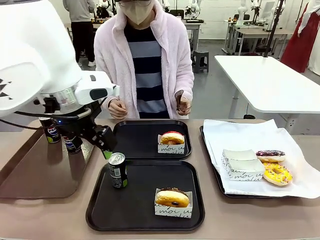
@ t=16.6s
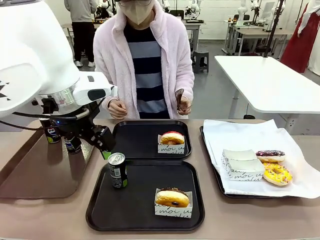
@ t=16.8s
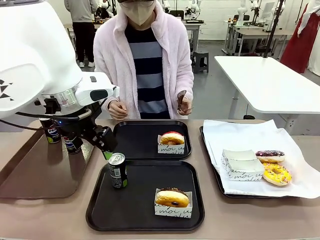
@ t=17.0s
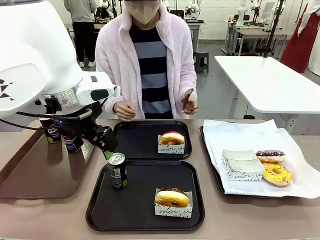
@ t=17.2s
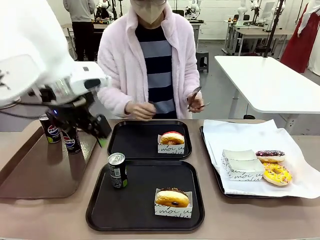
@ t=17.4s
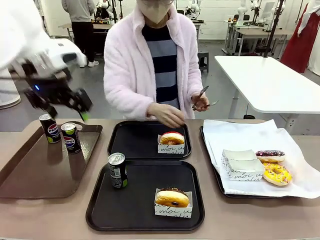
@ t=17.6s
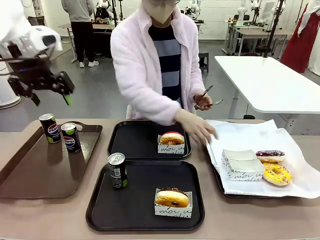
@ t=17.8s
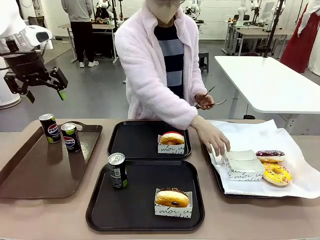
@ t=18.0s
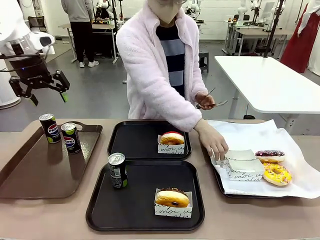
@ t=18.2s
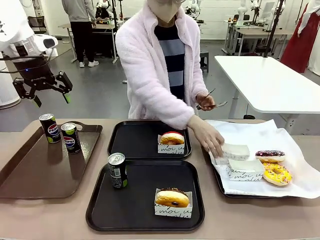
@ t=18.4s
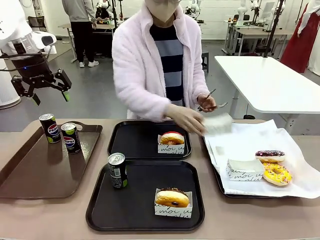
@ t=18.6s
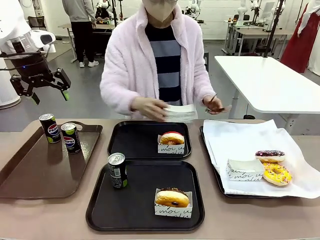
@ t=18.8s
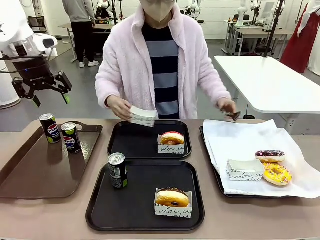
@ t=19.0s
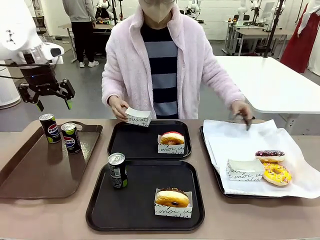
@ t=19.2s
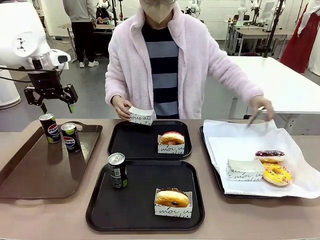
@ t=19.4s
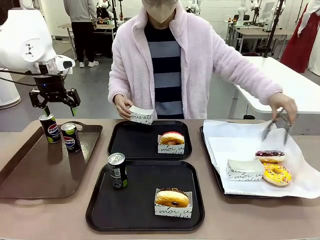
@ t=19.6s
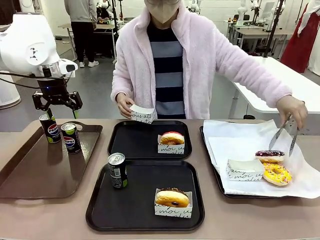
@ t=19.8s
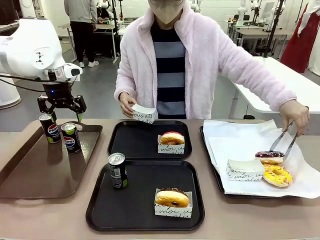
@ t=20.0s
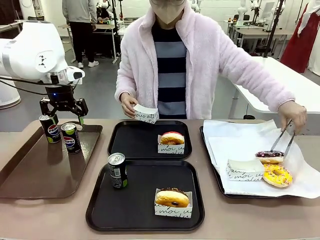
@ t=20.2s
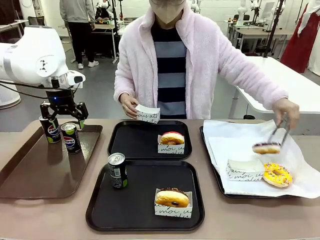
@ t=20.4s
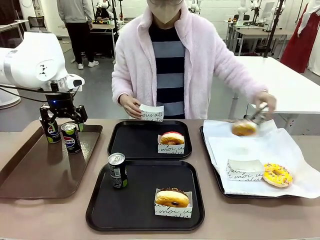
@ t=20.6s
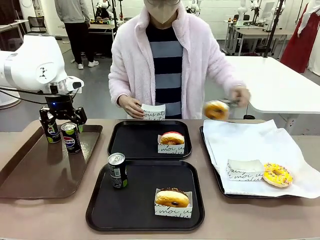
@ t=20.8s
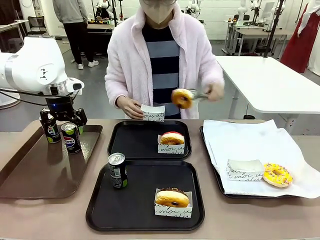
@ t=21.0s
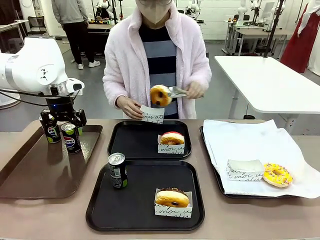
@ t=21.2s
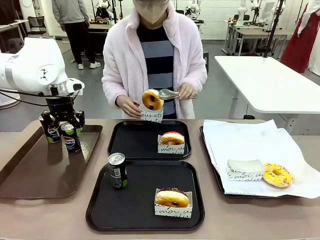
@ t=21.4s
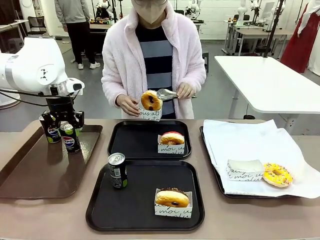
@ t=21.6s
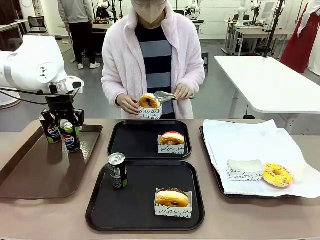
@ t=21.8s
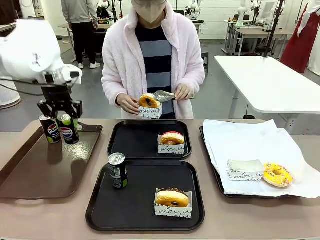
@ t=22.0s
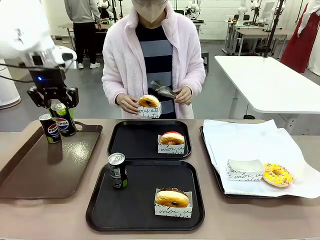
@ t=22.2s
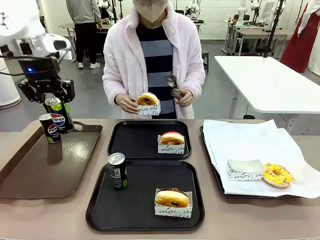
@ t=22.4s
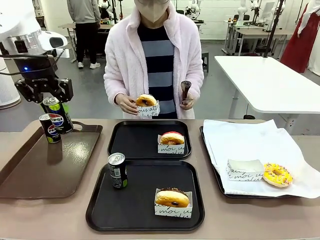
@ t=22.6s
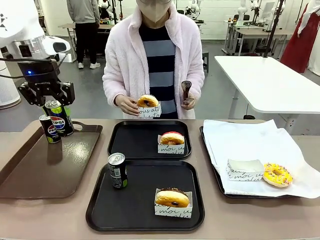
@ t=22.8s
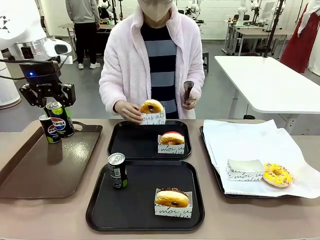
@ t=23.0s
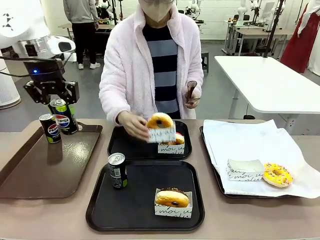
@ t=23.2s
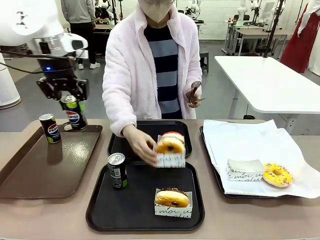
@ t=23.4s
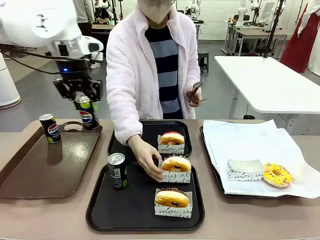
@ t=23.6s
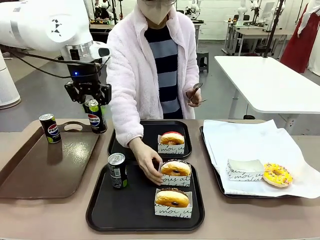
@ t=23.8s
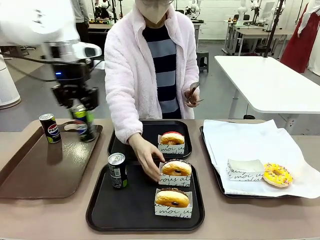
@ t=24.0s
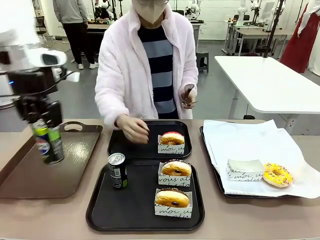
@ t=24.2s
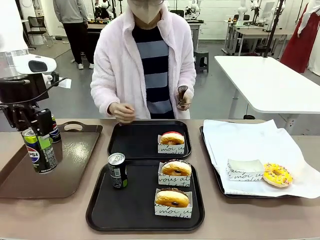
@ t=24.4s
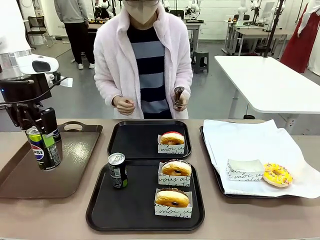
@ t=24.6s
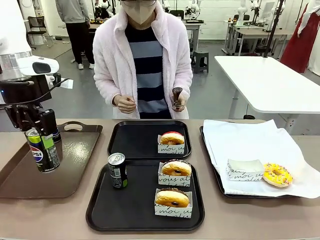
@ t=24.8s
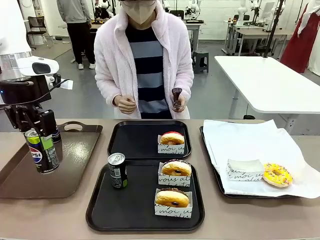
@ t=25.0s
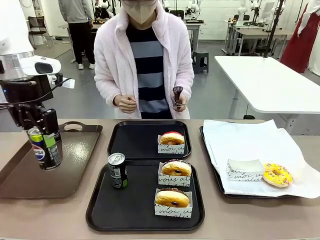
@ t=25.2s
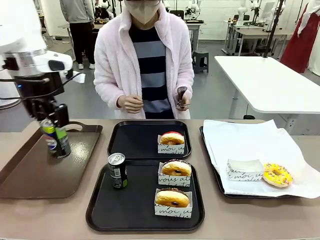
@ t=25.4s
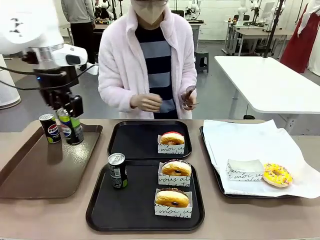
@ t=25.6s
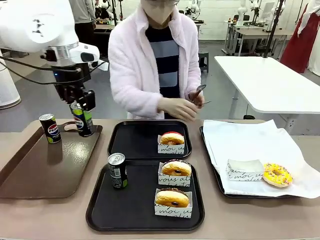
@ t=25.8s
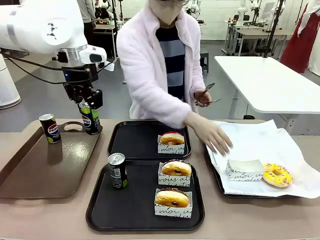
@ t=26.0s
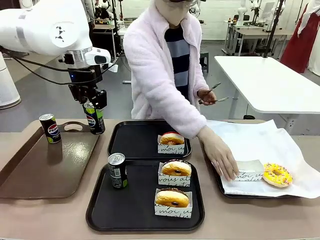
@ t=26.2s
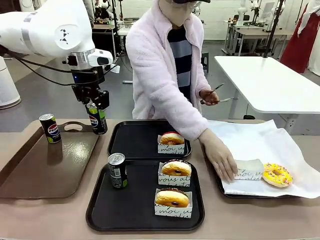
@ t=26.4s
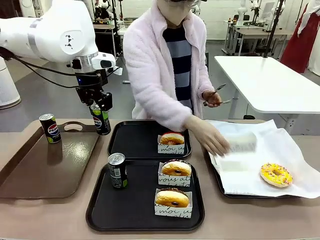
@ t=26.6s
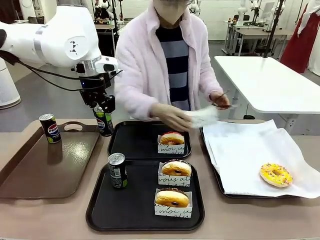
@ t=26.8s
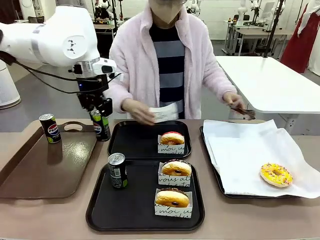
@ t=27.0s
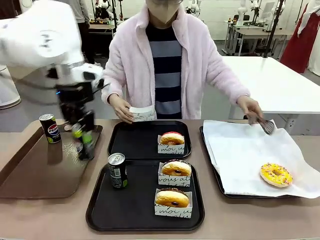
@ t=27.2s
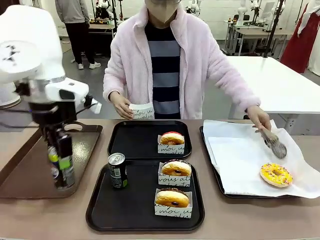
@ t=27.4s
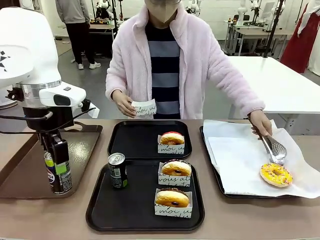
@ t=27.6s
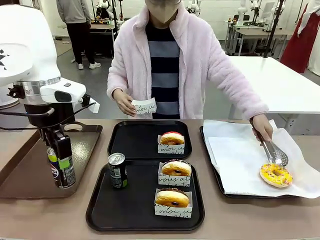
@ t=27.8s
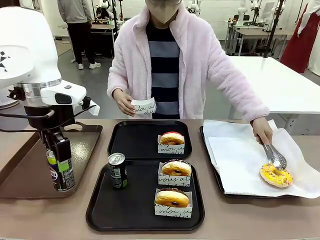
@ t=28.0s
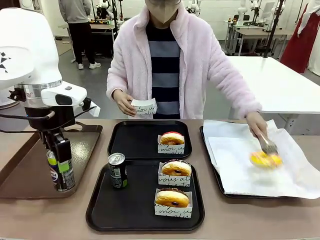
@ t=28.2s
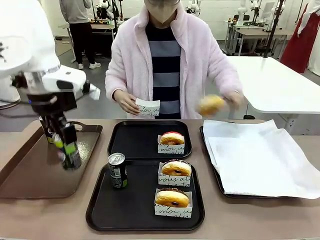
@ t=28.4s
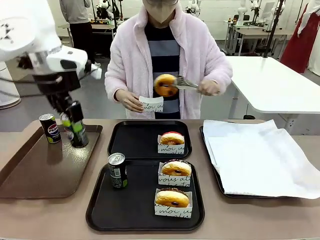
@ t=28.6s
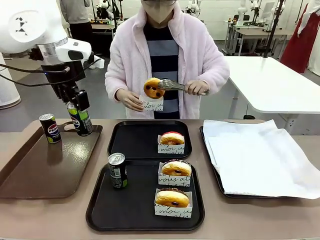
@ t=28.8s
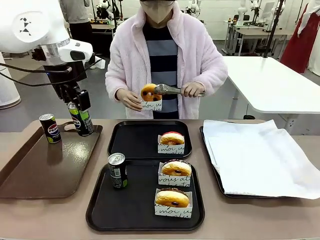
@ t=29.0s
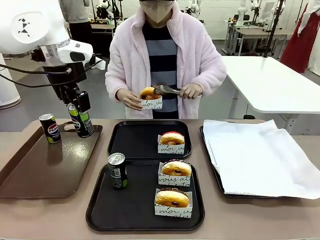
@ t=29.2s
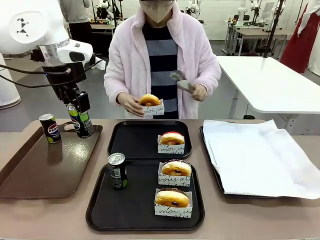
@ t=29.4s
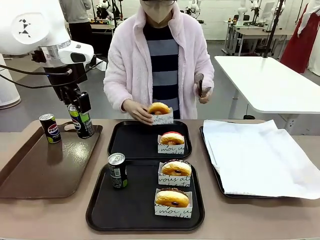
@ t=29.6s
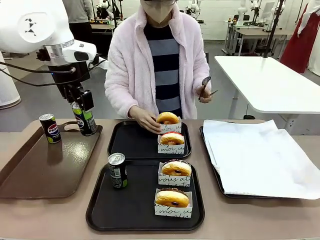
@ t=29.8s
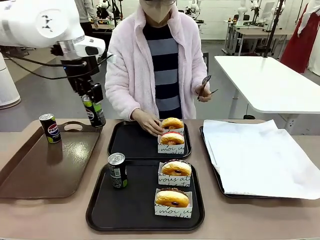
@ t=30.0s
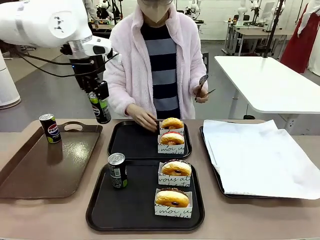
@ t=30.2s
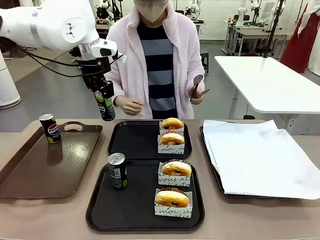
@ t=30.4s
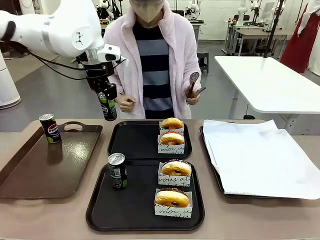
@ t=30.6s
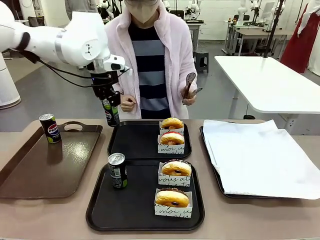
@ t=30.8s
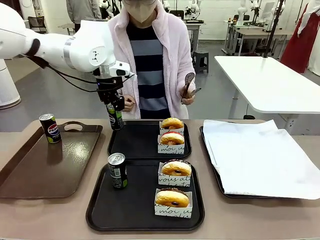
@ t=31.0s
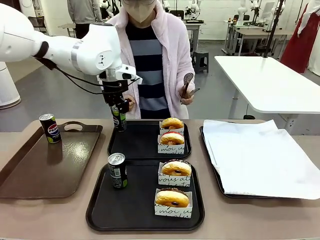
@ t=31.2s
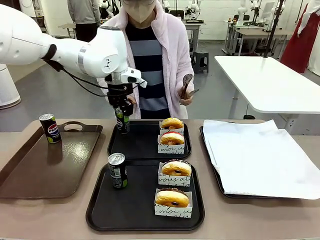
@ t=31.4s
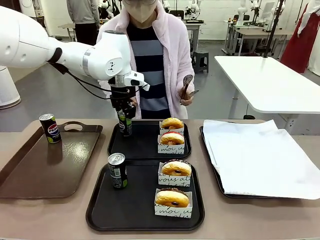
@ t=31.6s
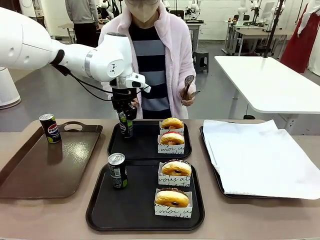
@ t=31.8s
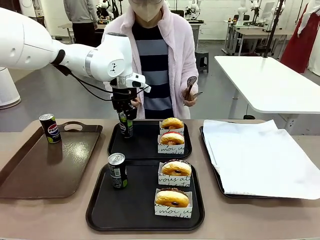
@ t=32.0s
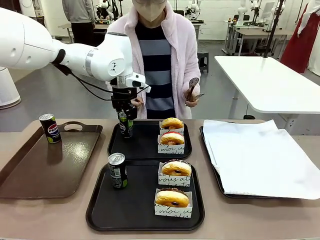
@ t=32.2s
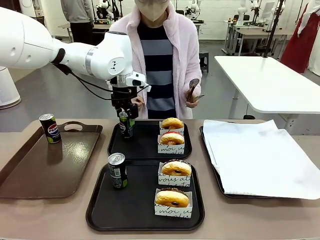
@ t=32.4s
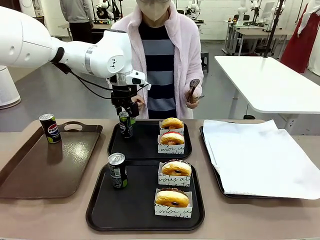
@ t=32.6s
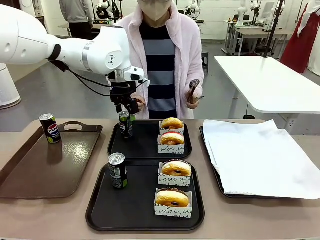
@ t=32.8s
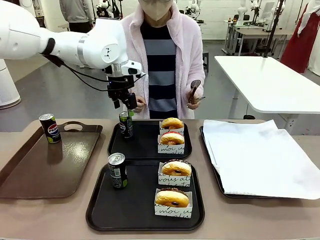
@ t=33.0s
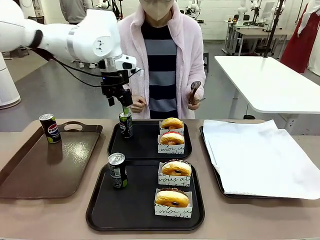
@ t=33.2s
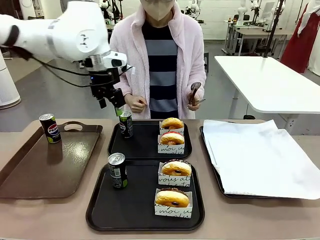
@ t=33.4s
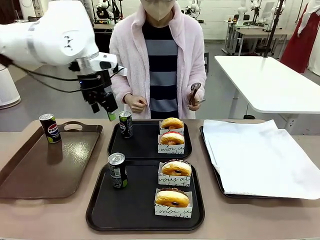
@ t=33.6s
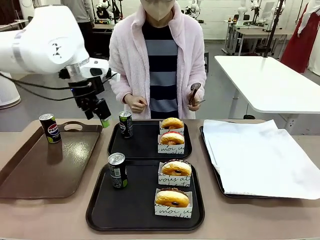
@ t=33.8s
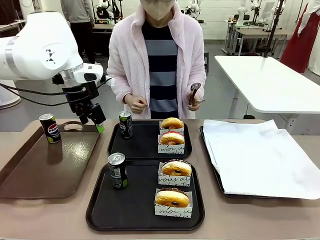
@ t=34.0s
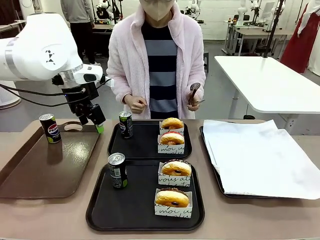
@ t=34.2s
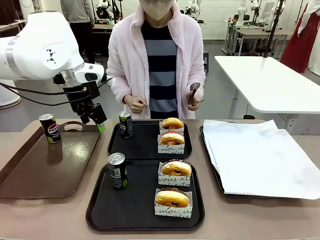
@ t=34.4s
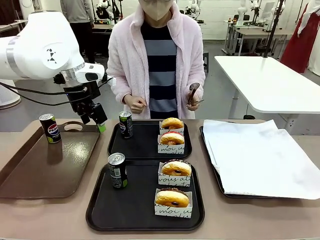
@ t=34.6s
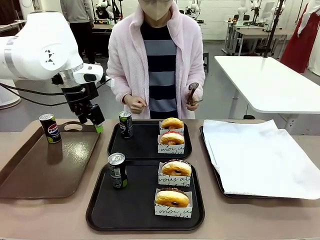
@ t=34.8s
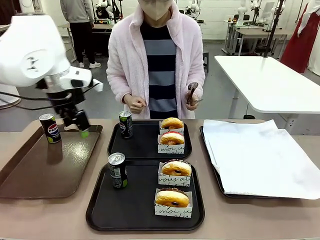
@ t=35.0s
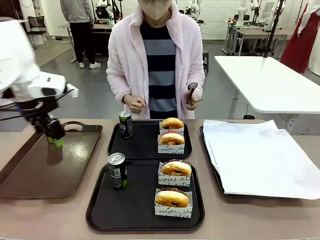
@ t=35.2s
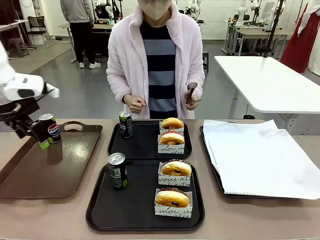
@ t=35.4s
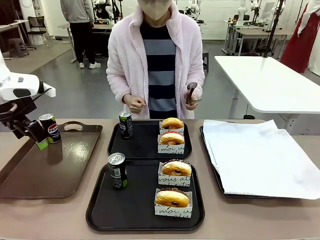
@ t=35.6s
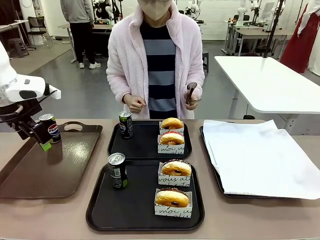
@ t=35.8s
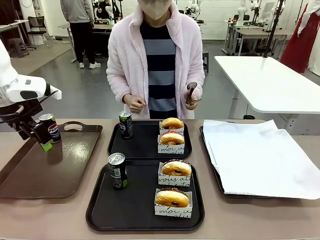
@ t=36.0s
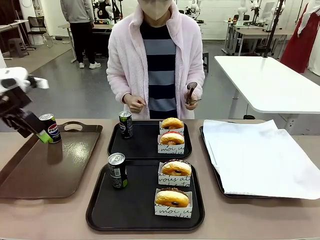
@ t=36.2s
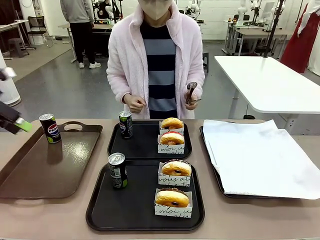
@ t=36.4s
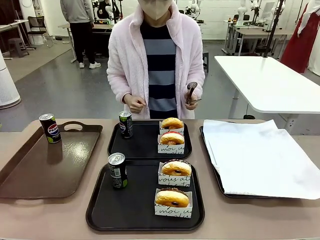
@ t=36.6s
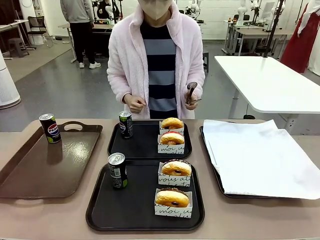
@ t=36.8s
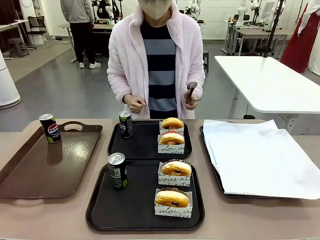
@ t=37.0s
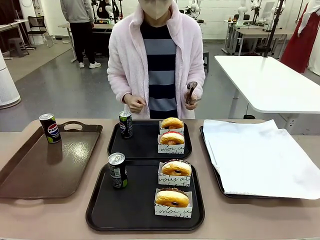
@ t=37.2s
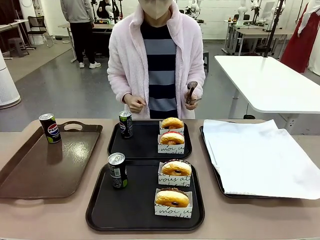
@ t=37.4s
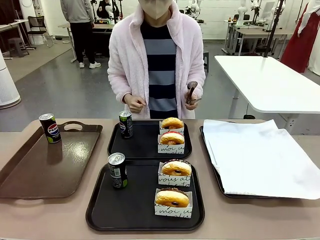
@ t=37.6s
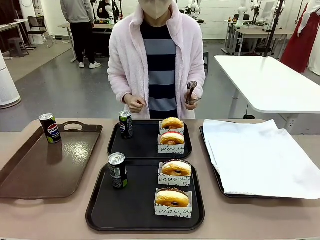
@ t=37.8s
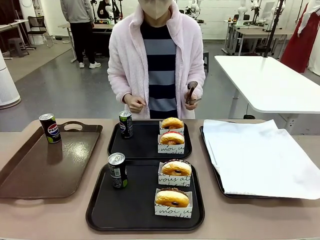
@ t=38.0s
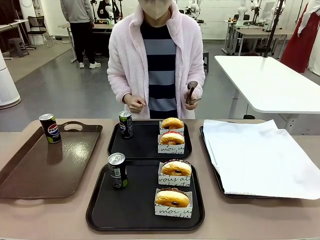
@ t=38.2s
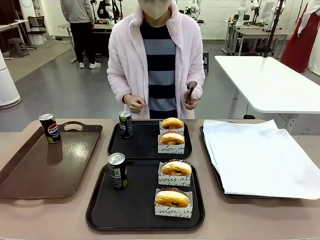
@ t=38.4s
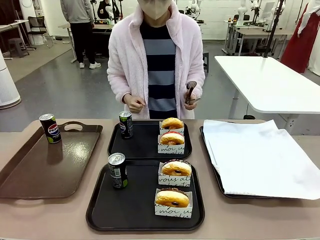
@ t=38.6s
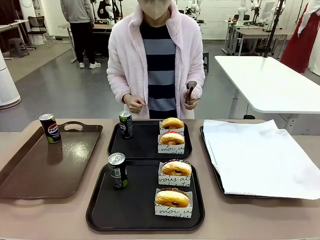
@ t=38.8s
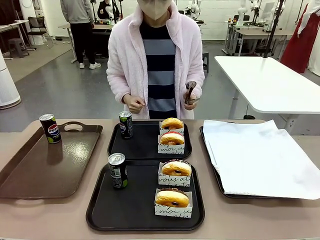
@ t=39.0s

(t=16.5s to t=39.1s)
Task: Set up donuts and drinks on trays.
Robot: Pick up one Pepsi coke from the Handle tray and place it on the Flat Tray without a Pepsi coke.
Person: Pick up one donut with tongs, place it in the donut tray, and then place the donut tray on the flat tray.
